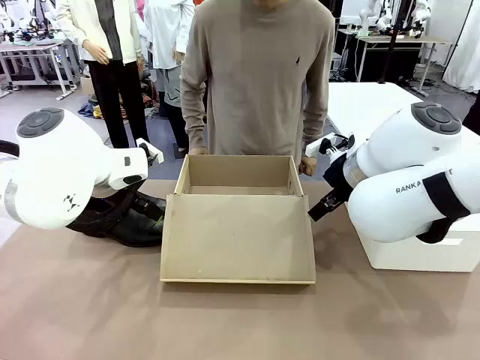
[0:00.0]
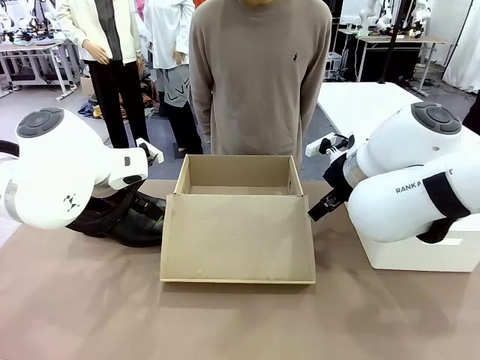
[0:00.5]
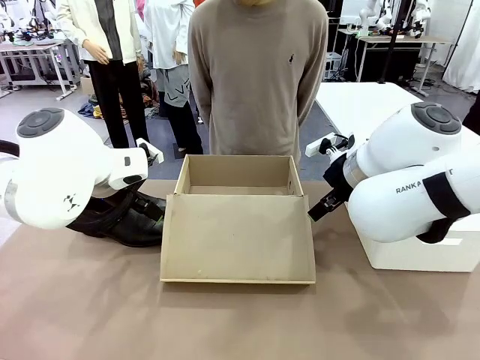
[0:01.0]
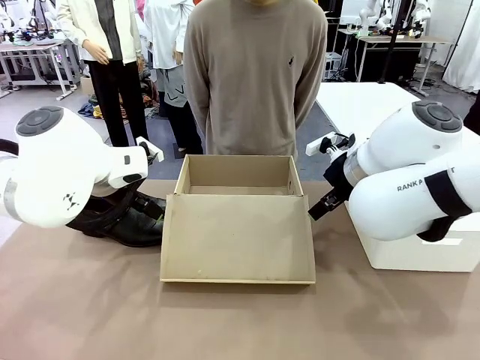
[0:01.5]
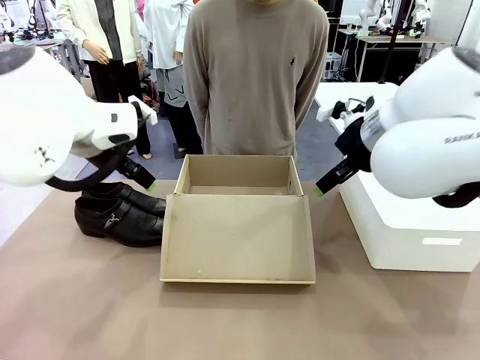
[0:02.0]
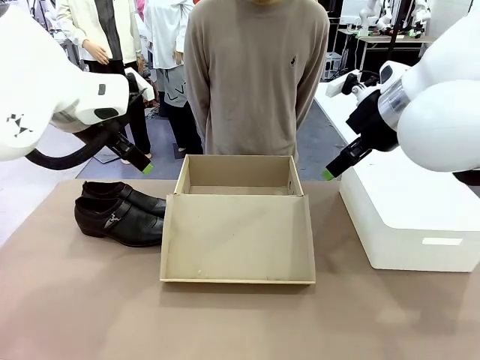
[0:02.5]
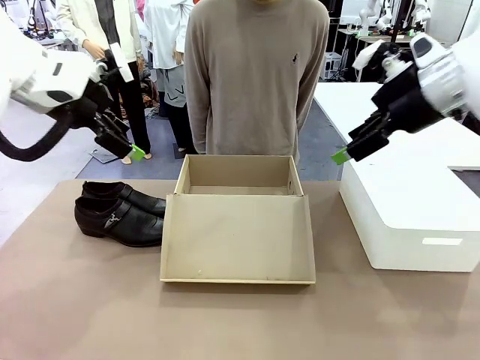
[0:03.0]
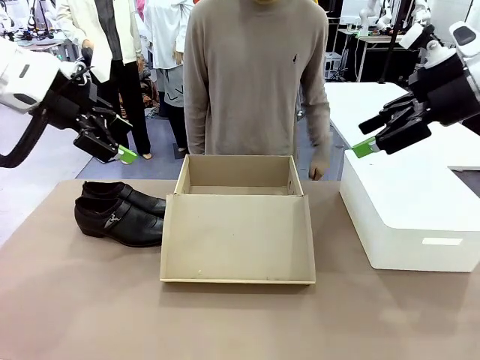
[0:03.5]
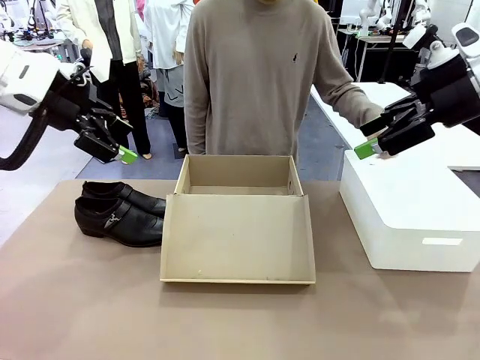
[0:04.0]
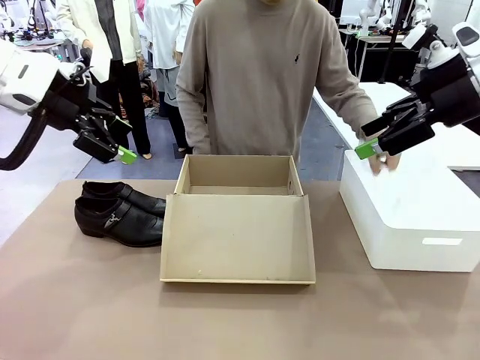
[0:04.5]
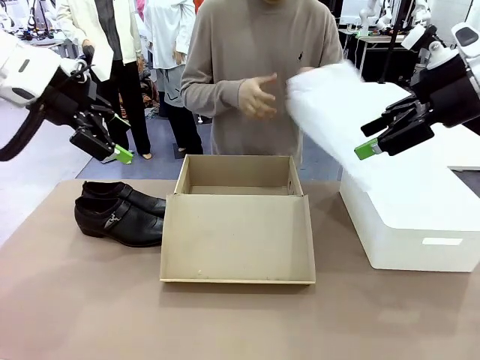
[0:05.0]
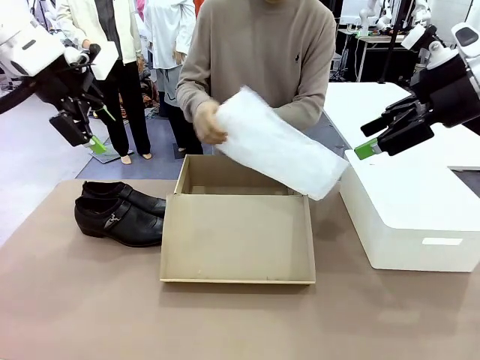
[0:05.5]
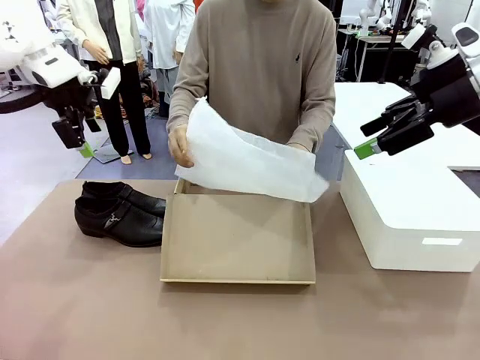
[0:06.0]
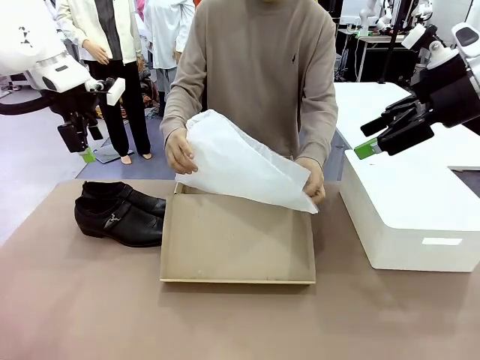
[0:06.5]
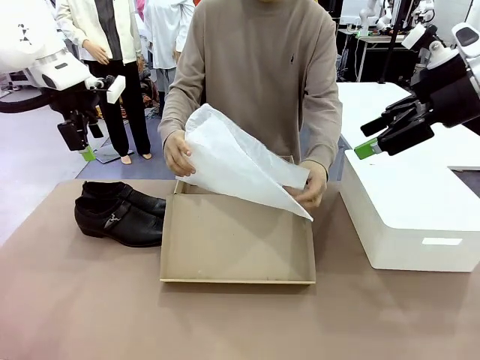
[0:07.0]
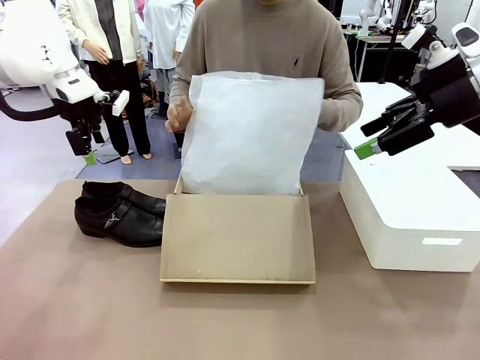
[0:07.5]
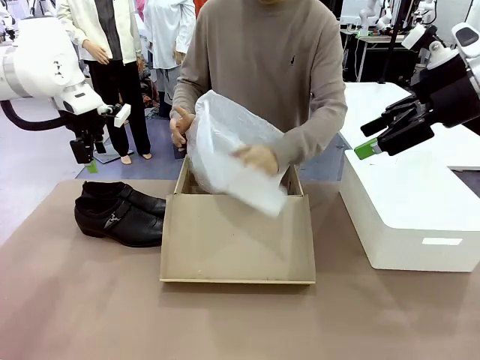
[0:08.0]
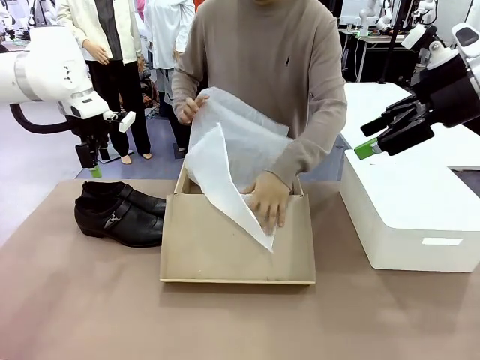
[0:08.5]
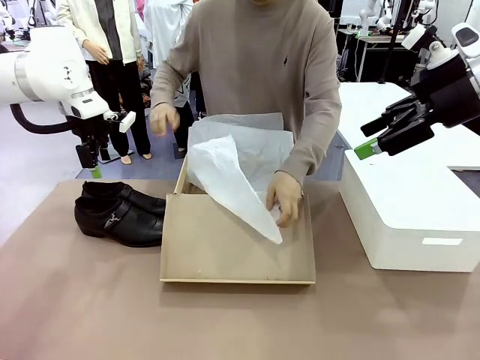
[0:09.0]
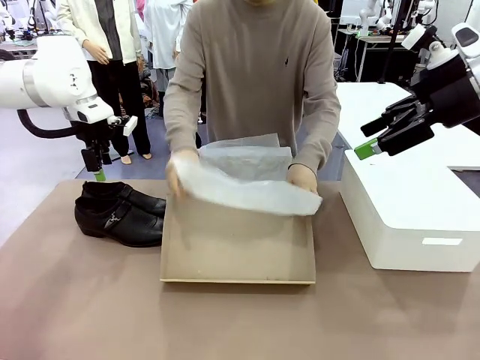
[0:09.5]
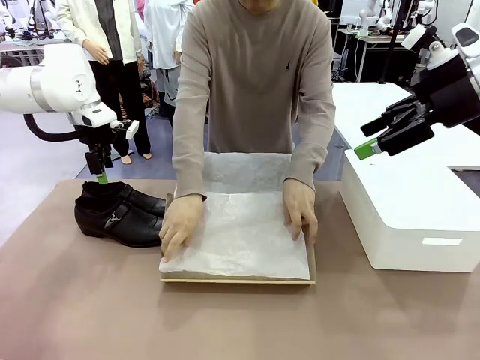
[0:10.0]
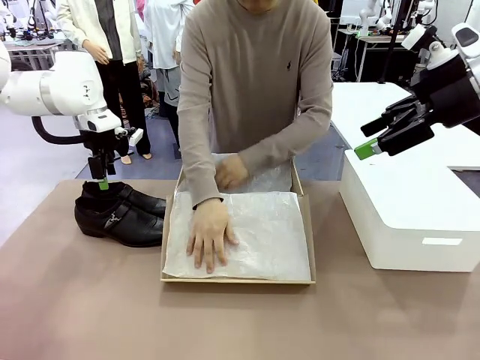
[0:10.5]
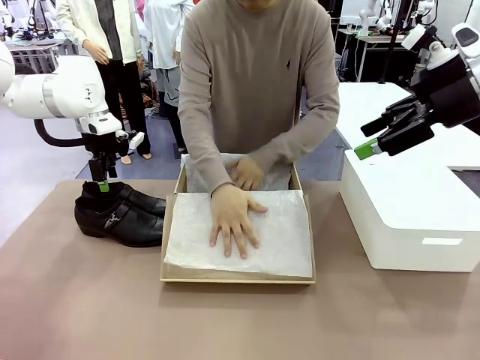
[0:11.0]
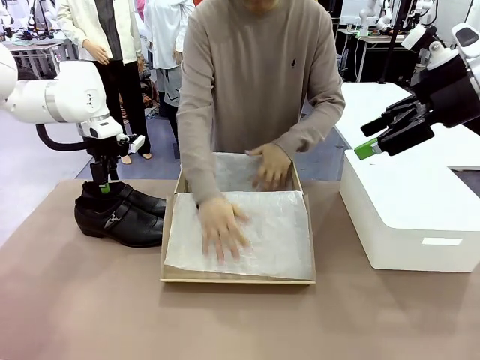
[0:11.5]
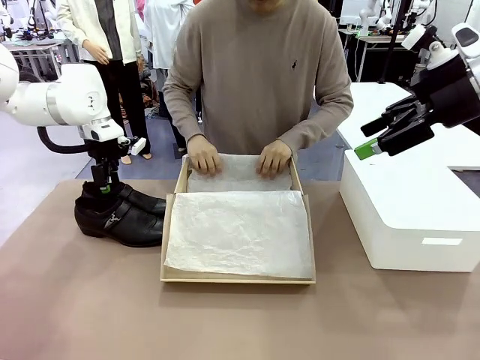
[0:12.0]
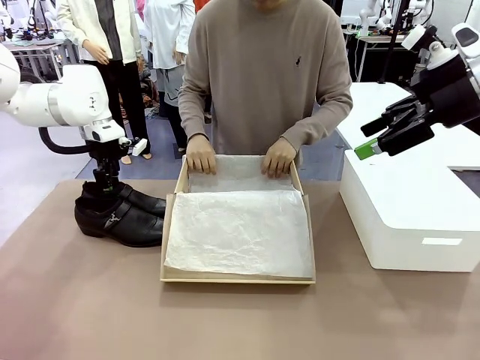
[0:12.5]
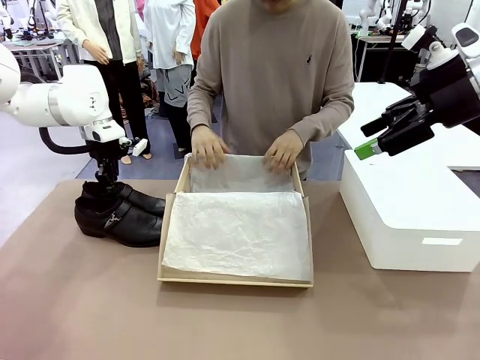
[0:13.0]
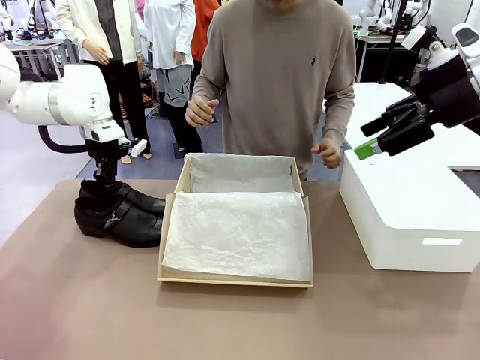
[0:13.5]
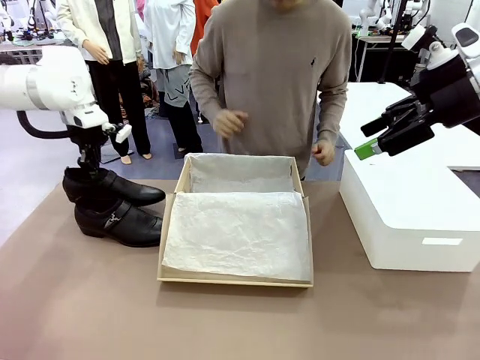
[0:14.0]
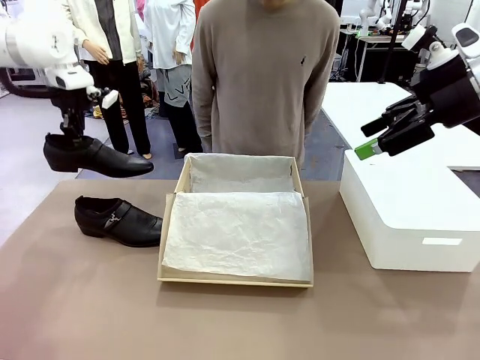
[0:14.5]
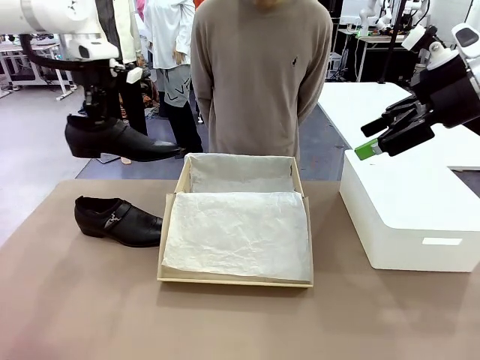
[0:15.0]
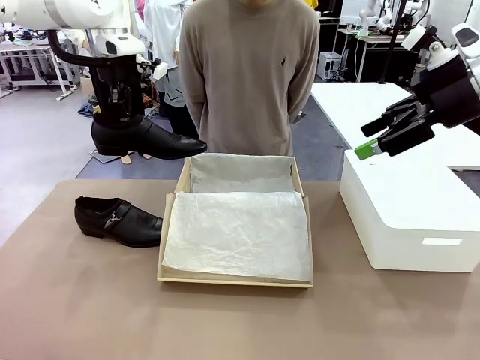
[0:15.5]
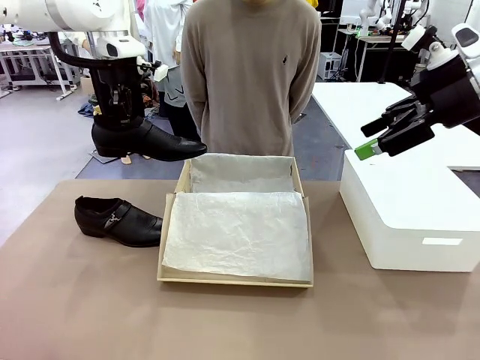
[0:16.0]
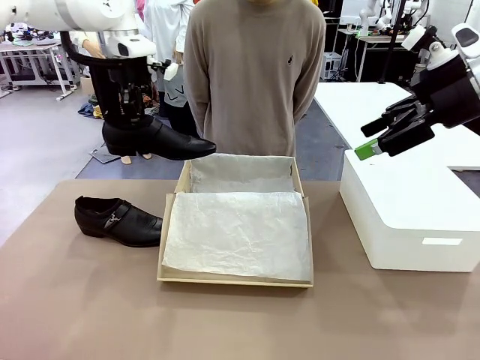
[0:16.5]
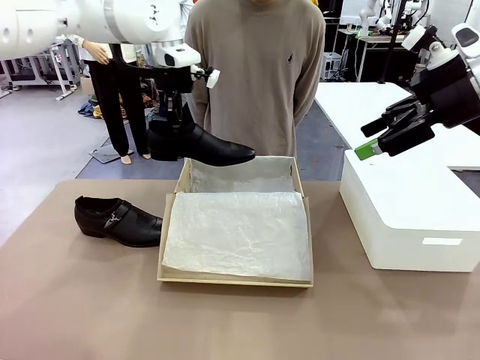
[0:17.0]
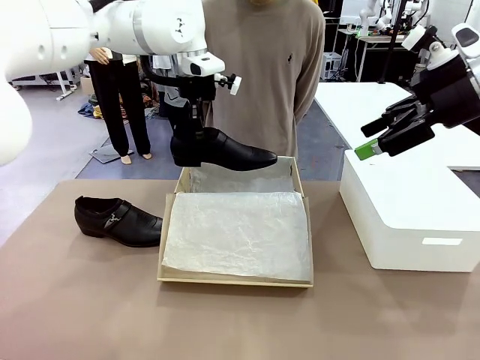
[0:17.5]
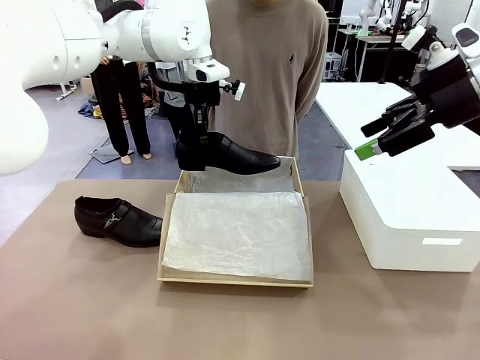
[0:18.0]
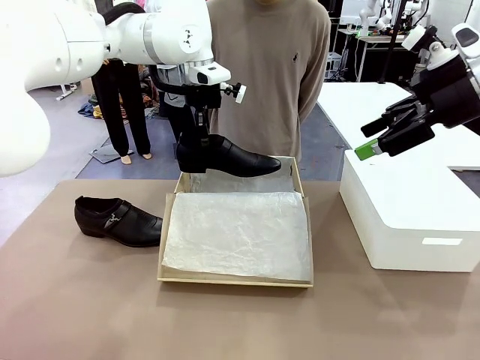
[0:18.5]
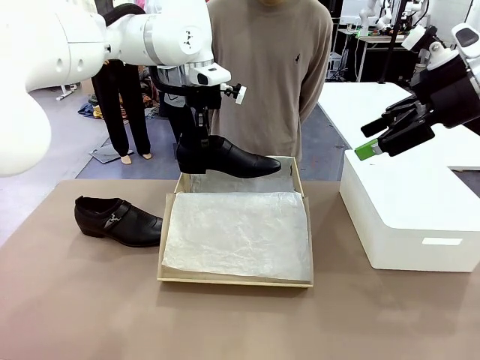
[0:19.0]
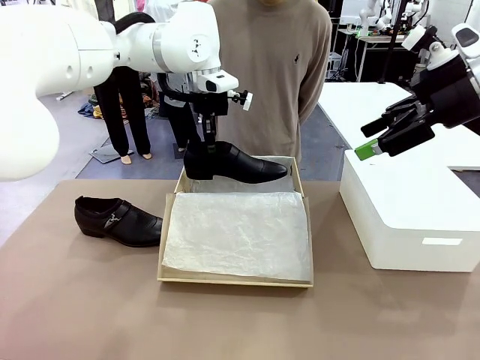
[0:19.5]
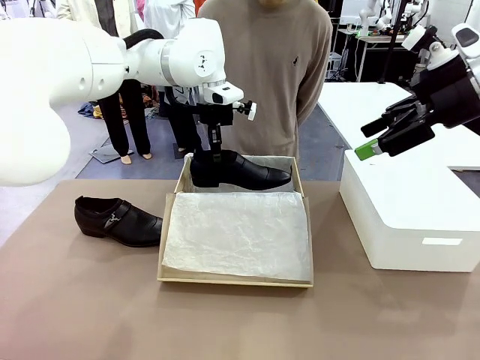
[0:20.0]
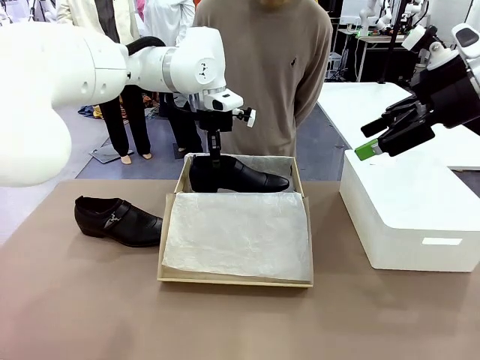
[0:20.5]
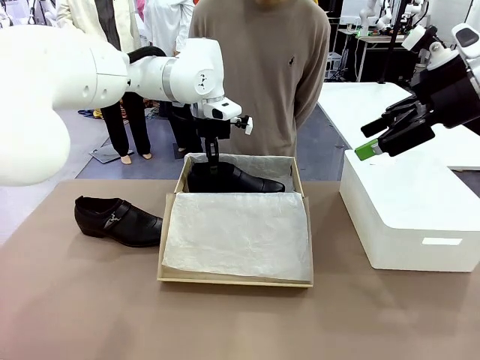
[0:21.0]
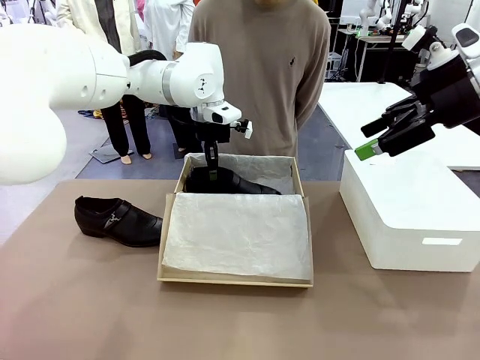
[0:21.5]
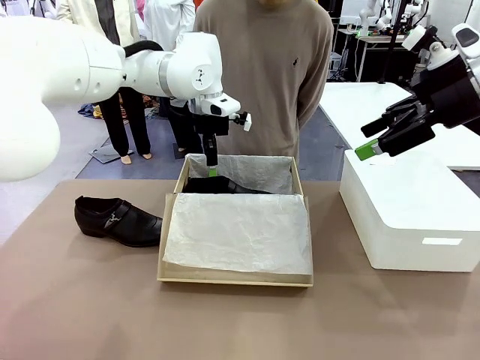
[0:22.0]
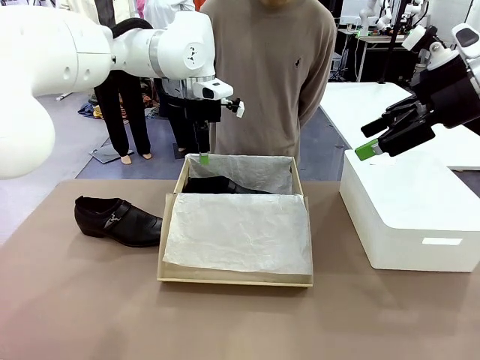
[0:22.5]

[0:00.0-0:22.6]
Task: Pack the shoes into the box.
Robot: Place one shoe of the Shoes into the Shoes Box.
Person: Spread Shoes Wrapping Paper and place inside the Shoes Box.
